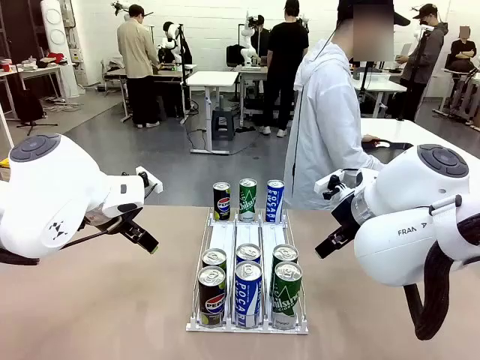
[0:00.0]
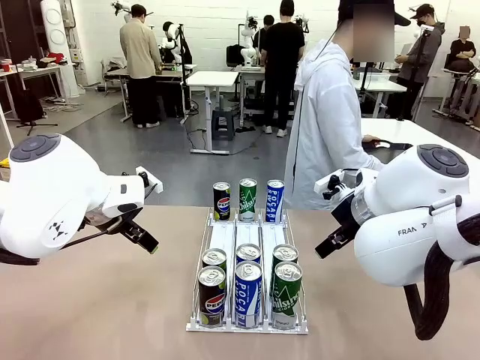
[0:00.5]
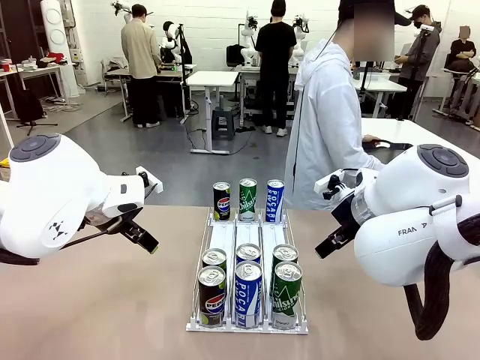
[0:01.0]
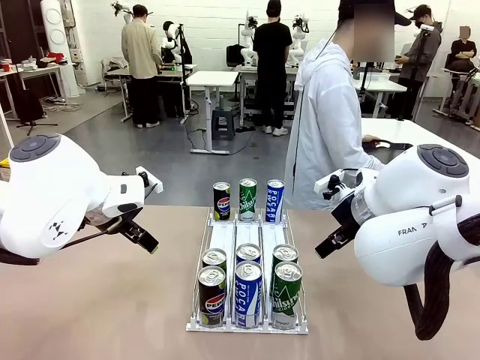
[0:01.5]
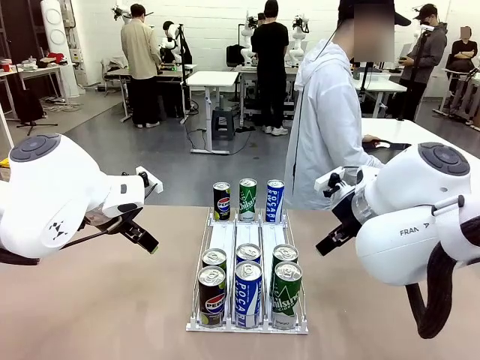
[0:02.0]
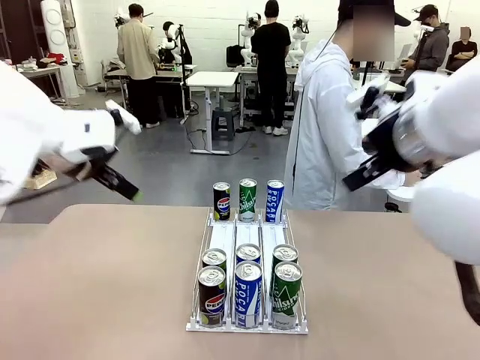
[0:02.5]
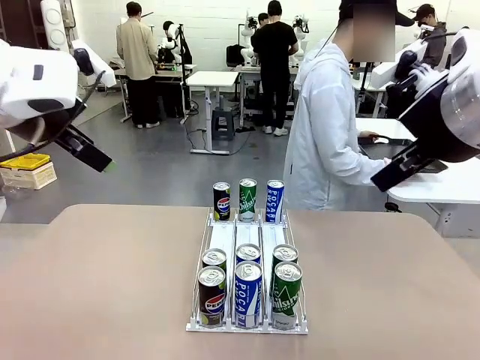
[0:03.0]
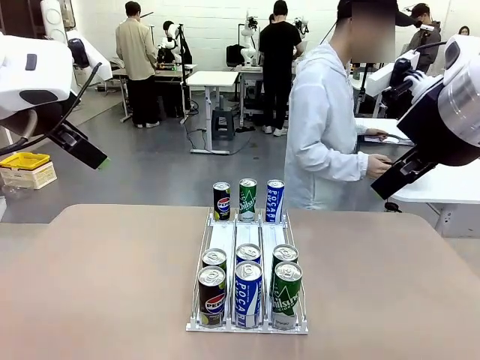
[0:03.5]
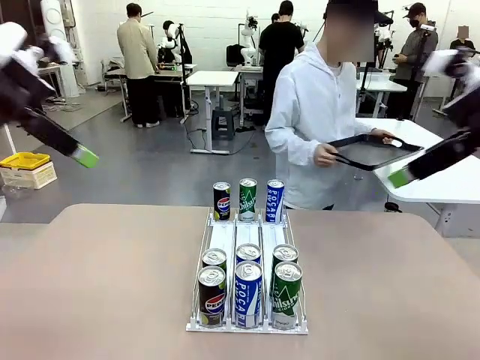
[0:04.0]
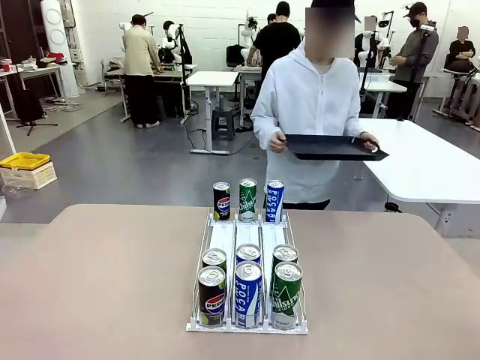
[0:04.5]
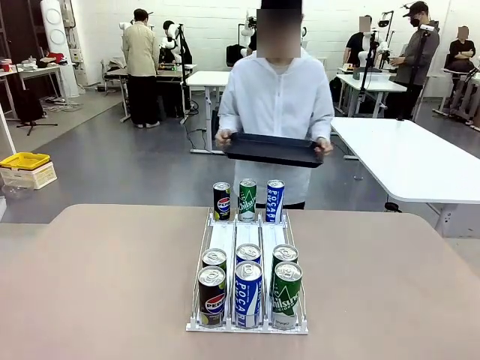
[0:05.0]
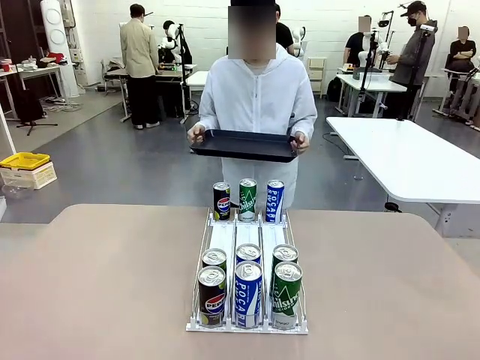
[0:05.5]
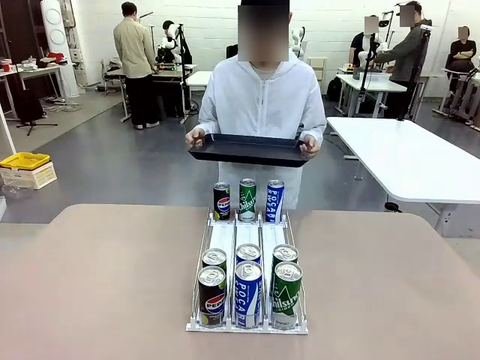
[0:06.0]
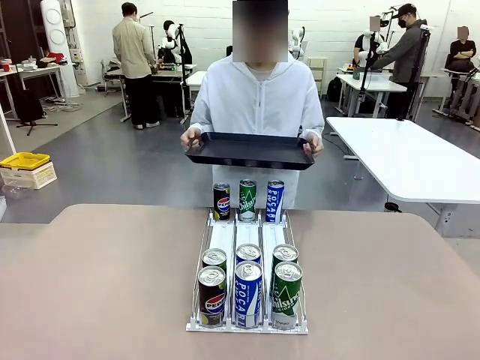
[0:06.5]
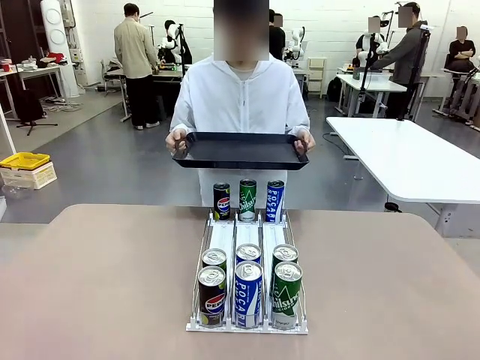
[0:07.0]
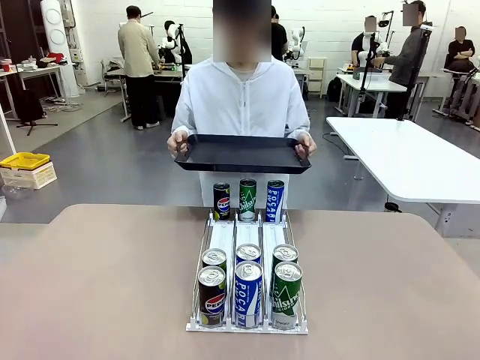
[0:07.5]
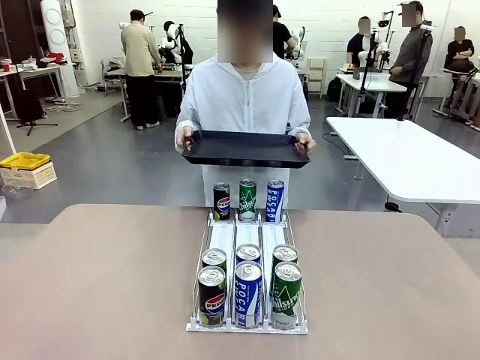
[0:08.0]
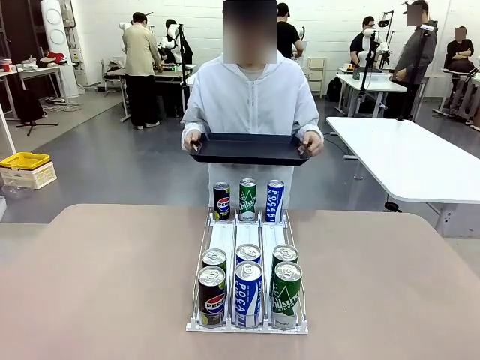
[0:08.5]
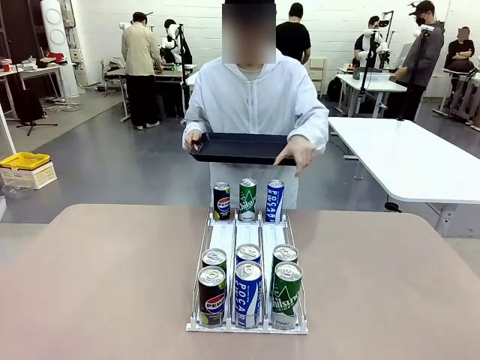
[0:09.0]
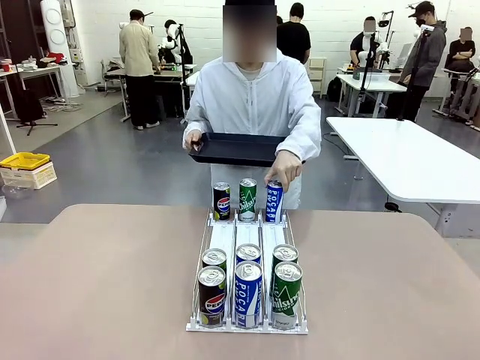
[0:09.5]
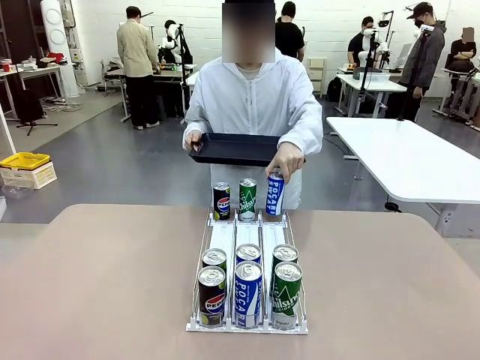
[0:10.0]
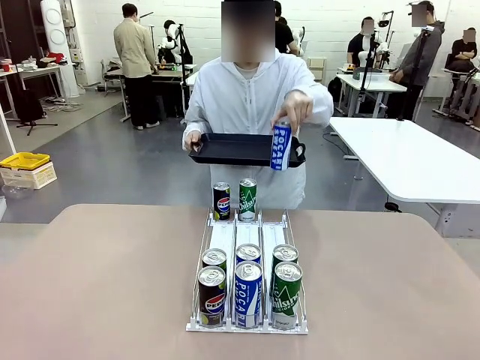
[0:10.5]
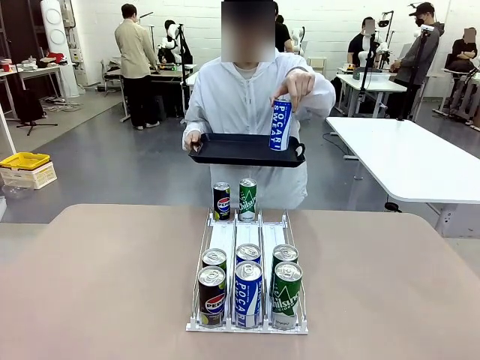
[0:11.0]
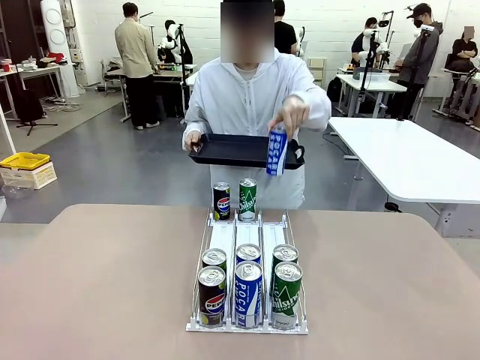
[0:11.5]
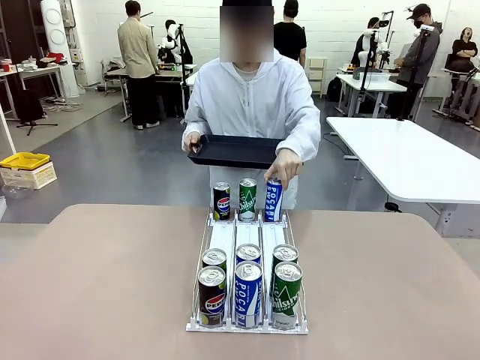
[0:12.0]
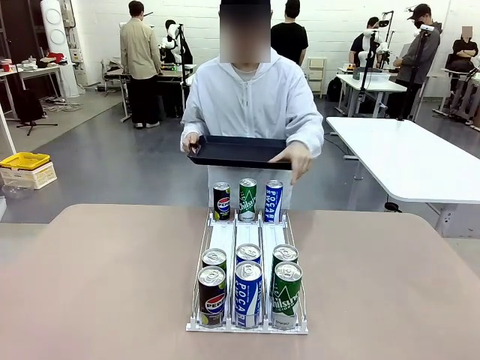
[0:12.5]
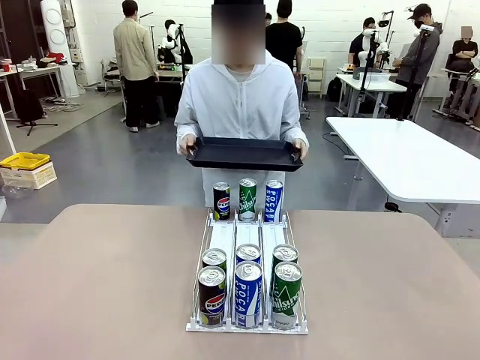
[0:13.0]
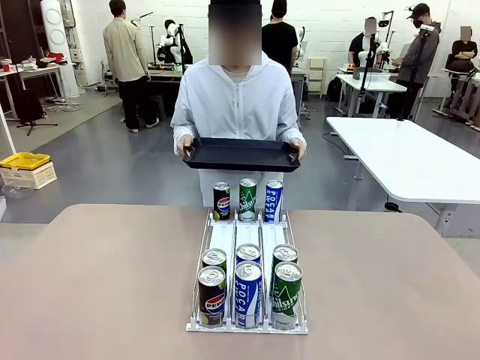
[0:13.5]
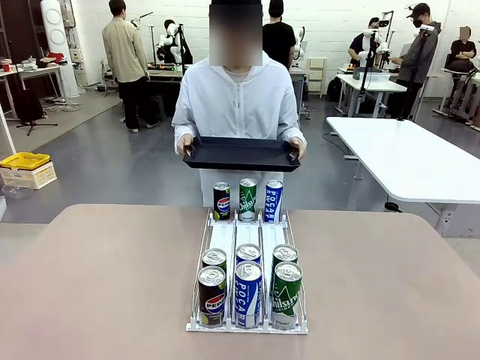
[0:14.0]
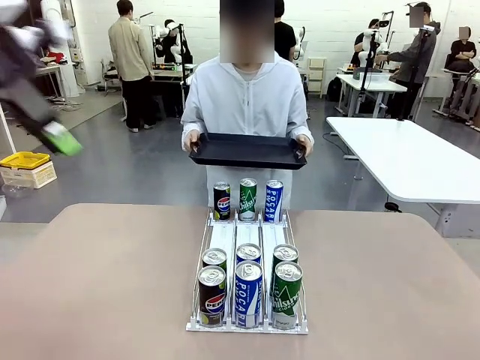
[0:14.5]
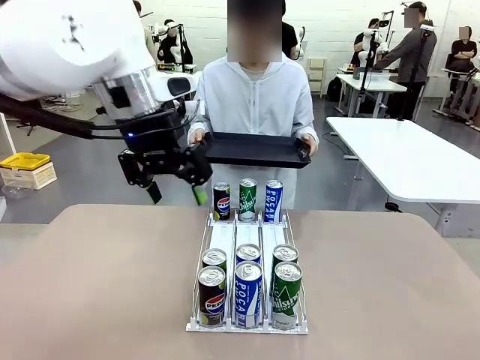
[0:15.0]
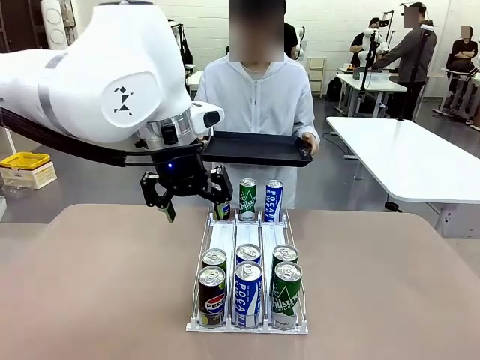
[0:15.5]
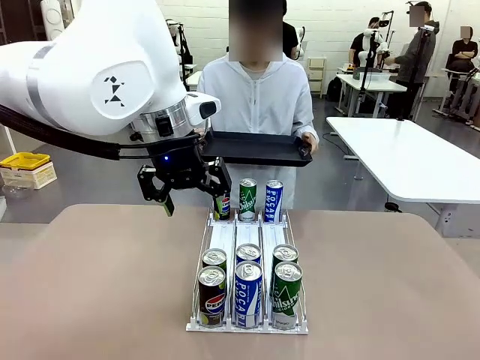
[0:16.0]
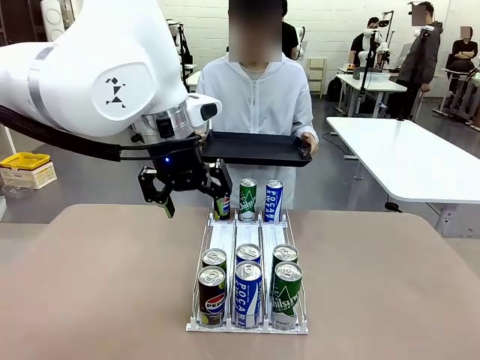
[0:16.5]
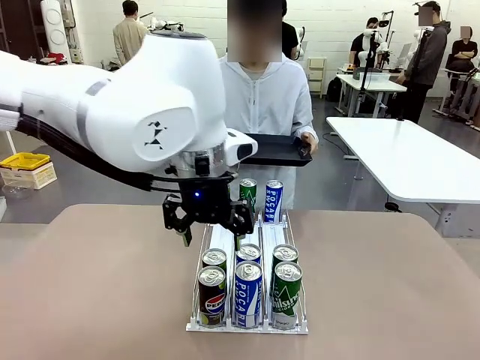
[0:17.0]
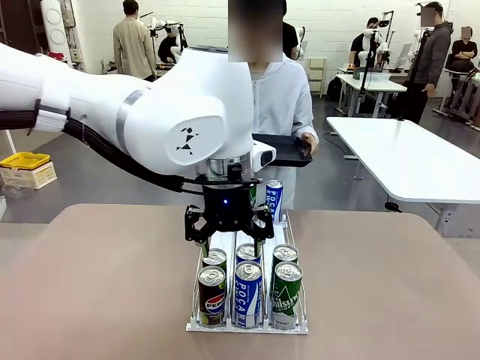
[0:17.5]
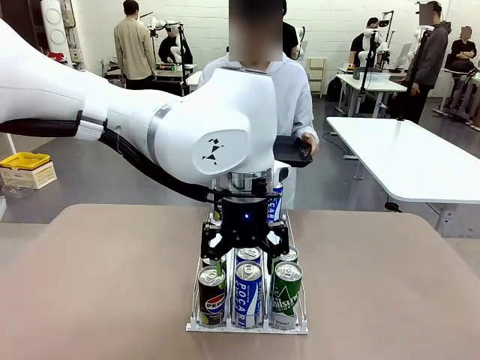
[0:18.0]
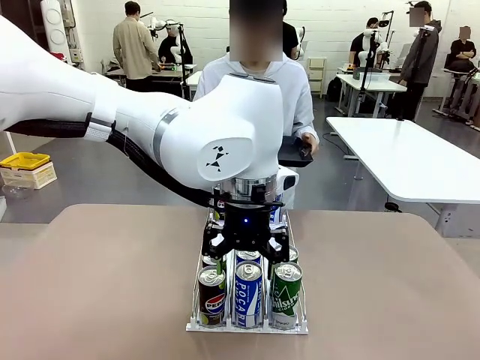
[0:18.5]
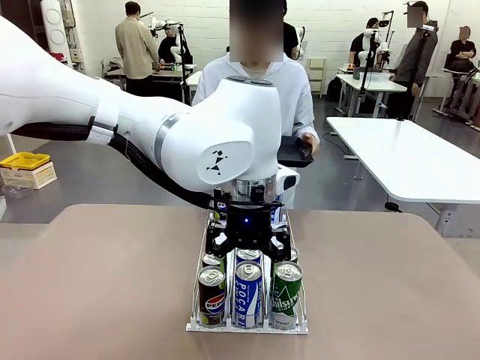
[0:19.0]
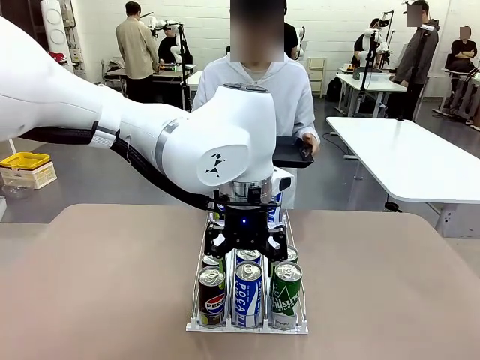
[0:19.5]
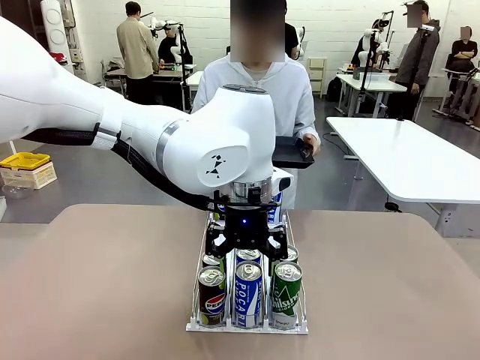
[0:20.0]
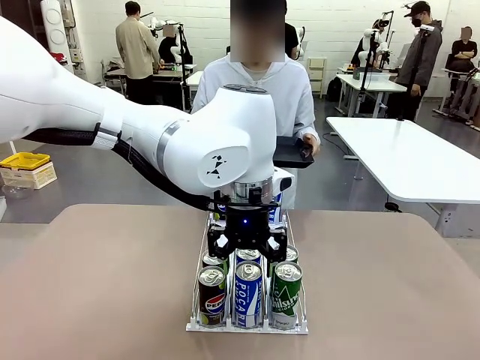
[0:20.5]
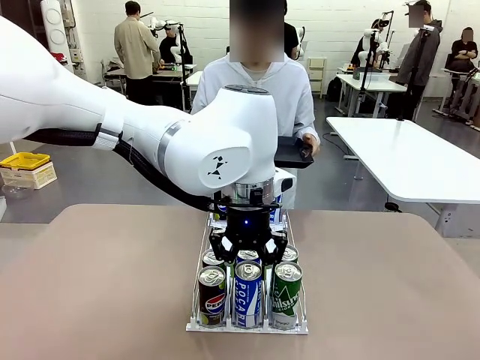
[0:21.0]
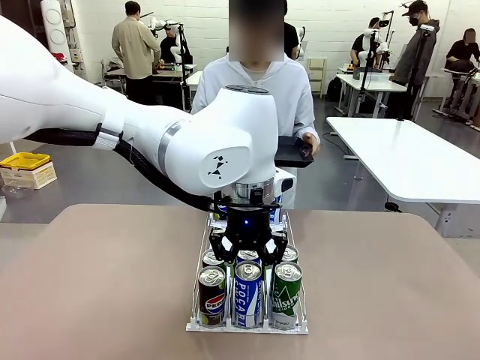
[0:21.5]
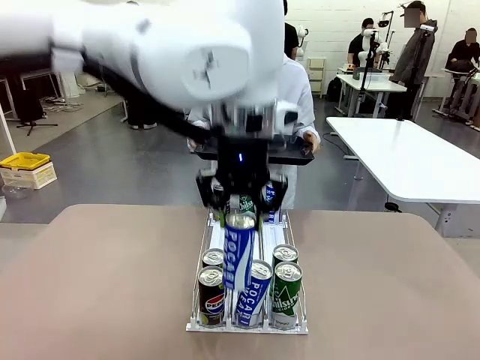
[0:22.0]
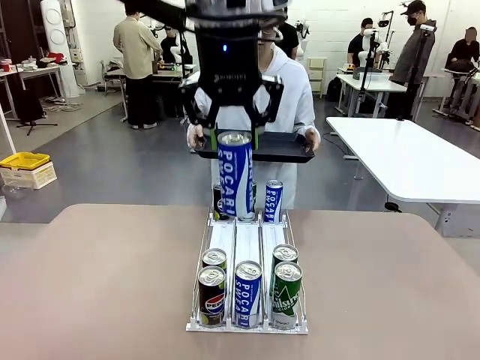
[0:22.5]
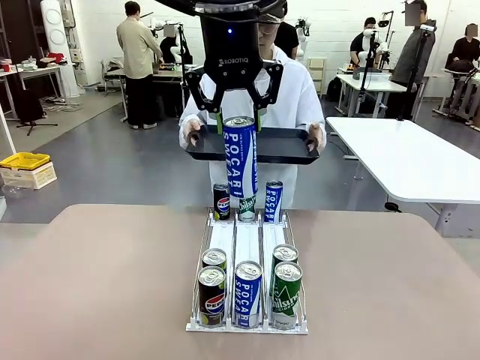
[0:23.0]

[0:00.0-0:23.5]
Task: Retrieve and hand over the desired beverage to the person.
Robot: Pick up a can of the same type that the person held from the Automatic Can Dispenser.
Person: Hold the tray and position yourself in front of the robot table. Pick up one can from the bottom area of the table and puts it back in its original place. Push the tray toward the robot.

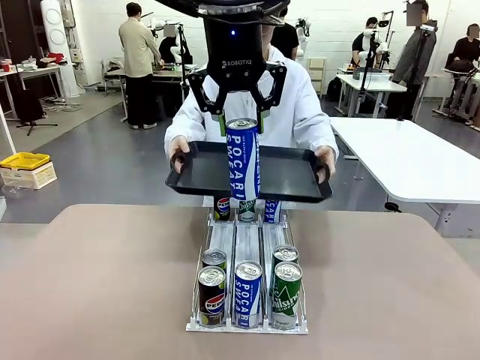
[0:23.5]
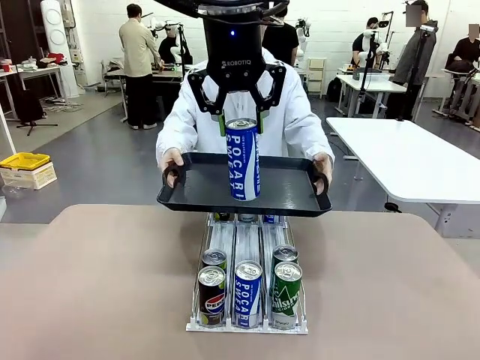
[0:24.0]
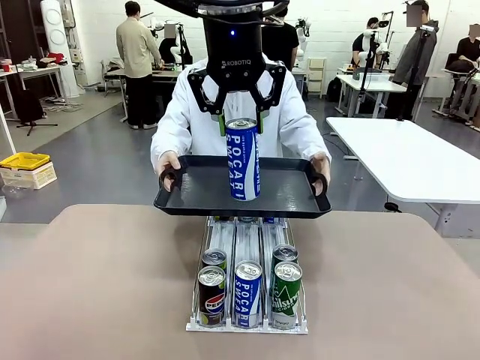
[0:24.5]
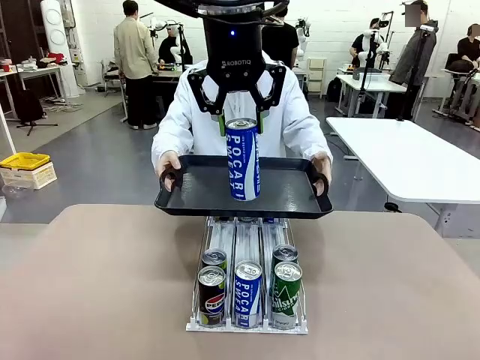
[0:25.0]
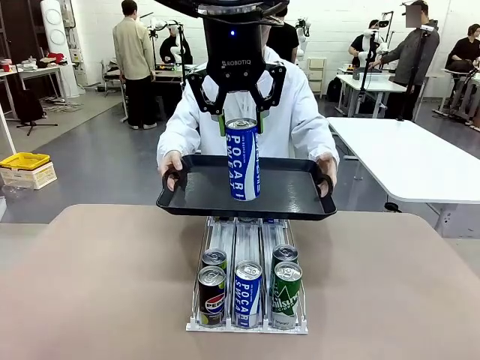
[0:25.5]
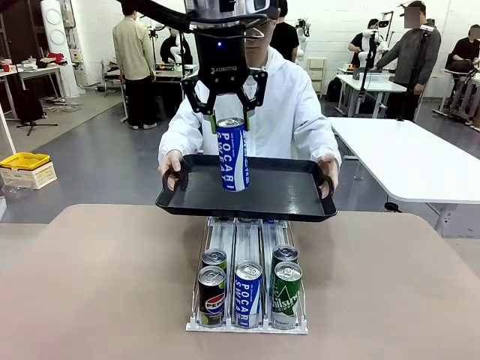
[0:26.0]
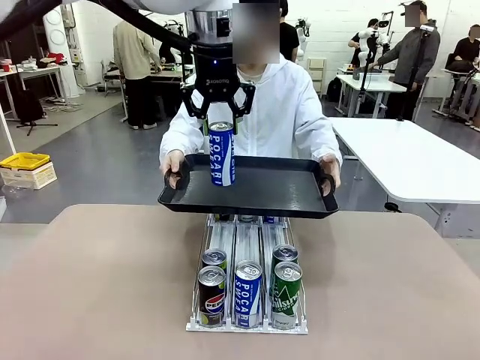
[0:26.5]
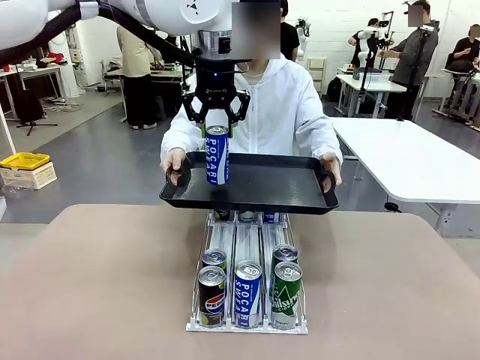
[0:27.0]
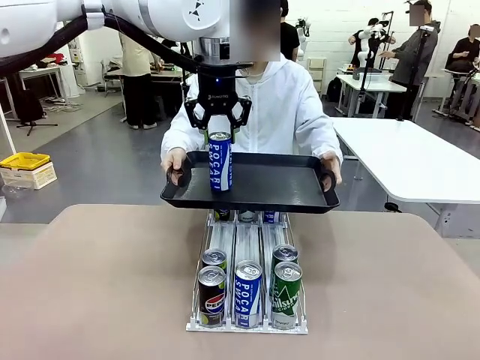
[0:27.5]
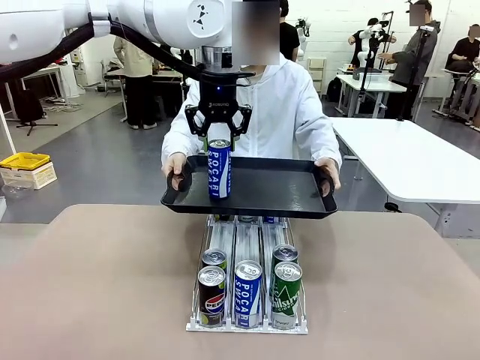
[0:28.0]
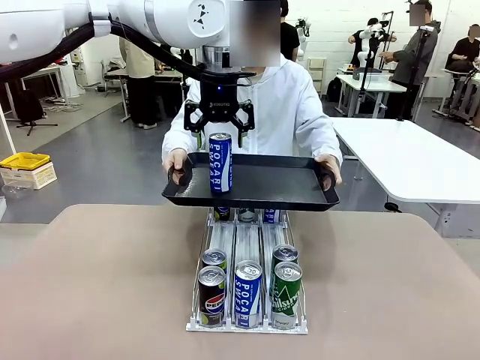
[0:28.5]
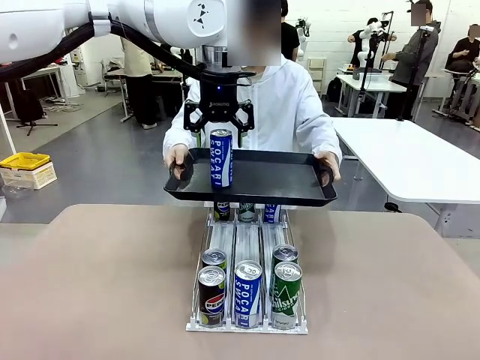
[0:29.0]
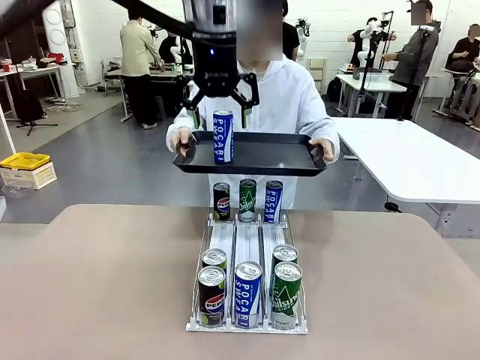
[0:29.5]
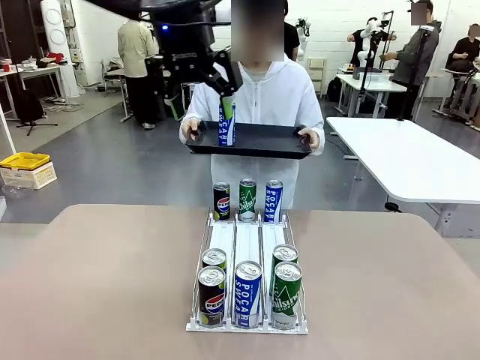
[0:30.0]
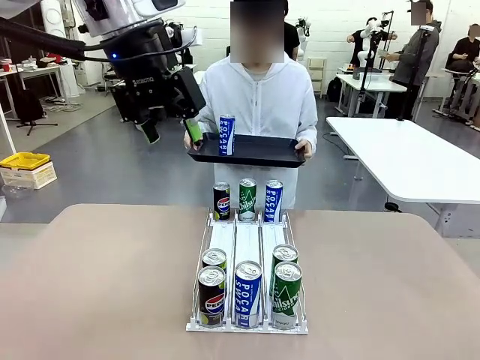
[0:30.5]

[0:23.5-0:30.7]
Robot: Place the picked can on the Handle tray extended by the person.
